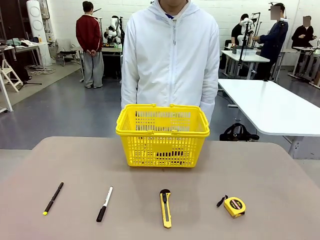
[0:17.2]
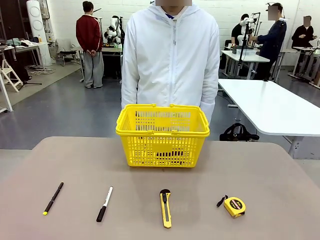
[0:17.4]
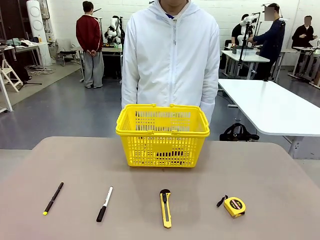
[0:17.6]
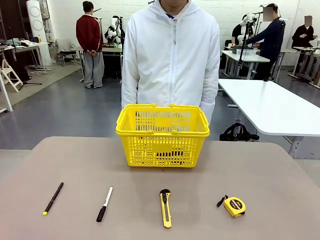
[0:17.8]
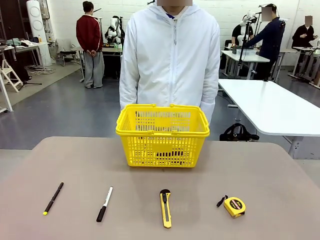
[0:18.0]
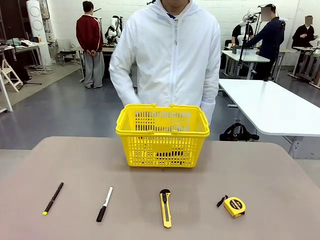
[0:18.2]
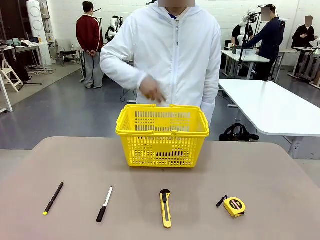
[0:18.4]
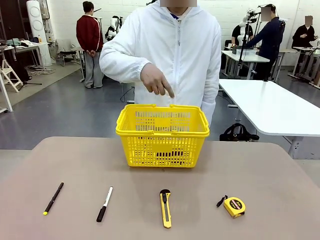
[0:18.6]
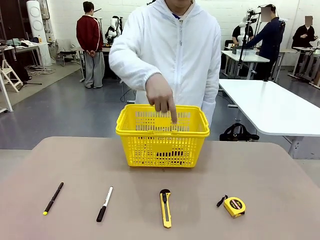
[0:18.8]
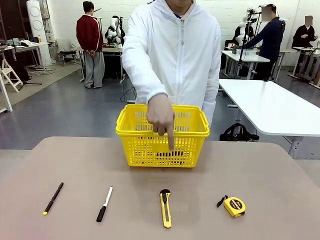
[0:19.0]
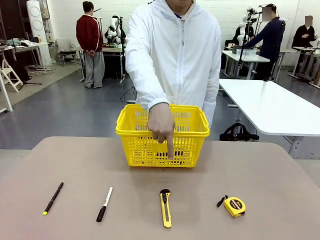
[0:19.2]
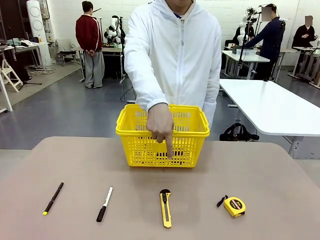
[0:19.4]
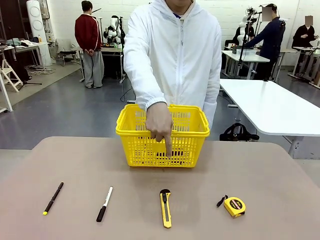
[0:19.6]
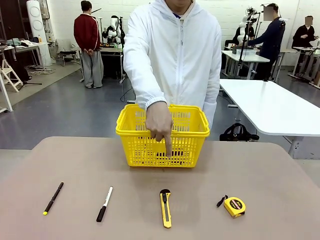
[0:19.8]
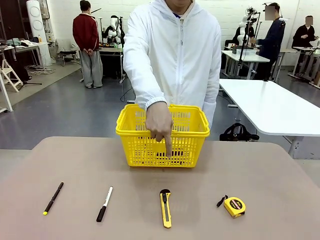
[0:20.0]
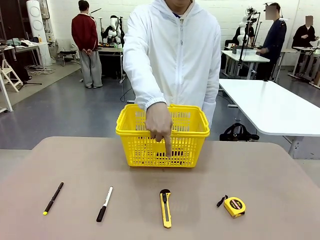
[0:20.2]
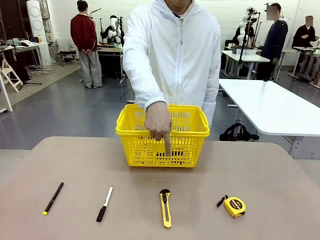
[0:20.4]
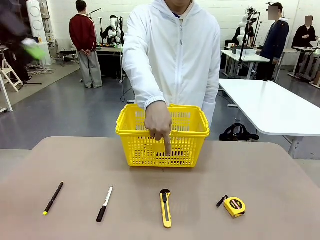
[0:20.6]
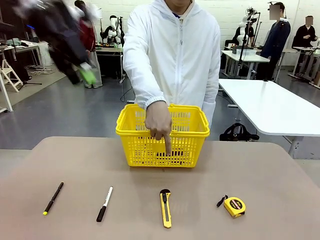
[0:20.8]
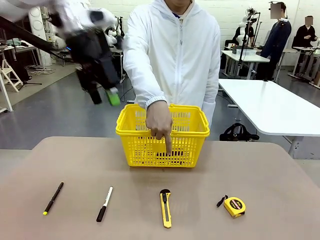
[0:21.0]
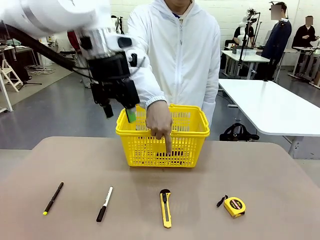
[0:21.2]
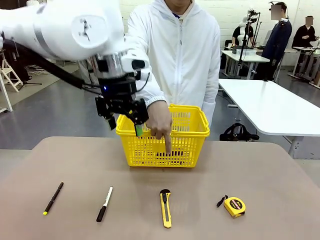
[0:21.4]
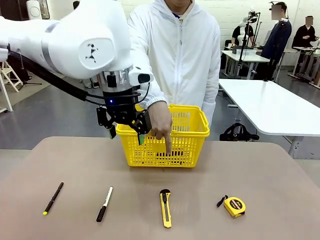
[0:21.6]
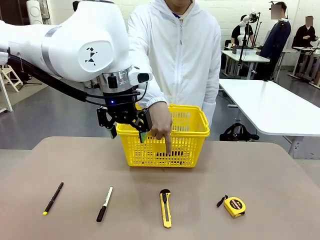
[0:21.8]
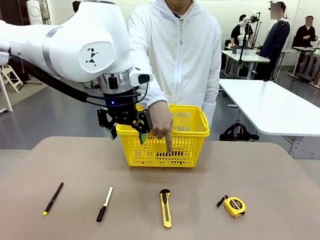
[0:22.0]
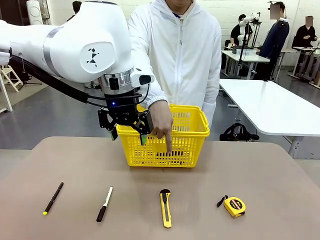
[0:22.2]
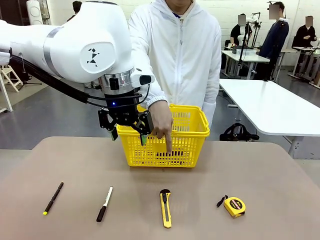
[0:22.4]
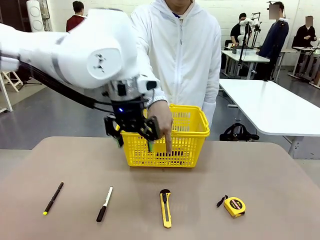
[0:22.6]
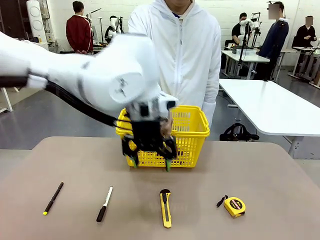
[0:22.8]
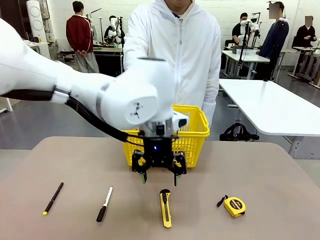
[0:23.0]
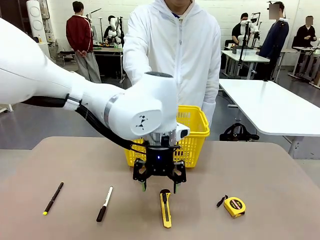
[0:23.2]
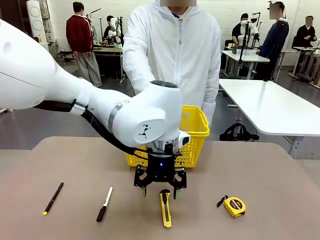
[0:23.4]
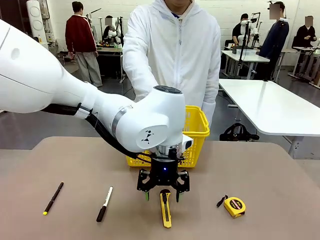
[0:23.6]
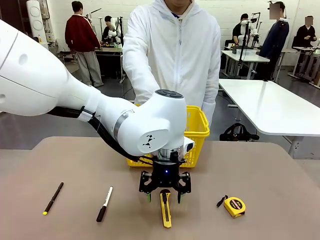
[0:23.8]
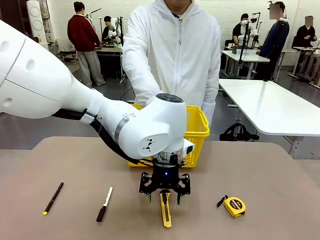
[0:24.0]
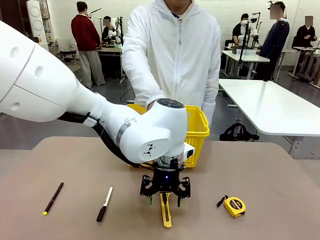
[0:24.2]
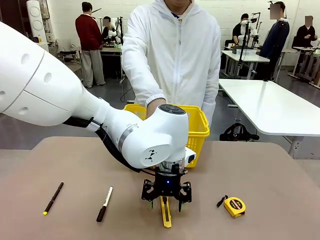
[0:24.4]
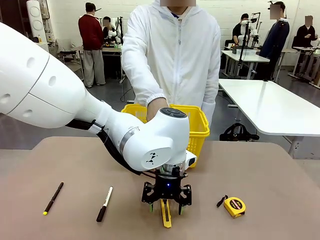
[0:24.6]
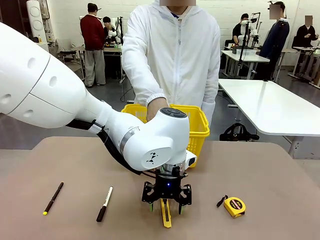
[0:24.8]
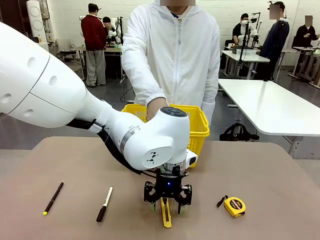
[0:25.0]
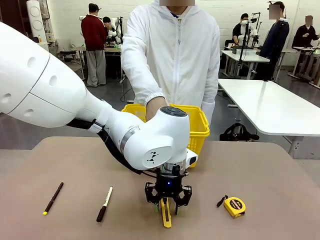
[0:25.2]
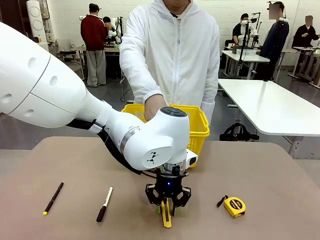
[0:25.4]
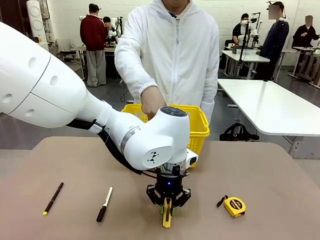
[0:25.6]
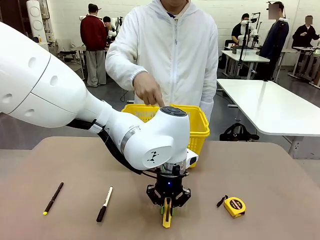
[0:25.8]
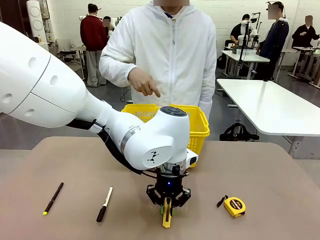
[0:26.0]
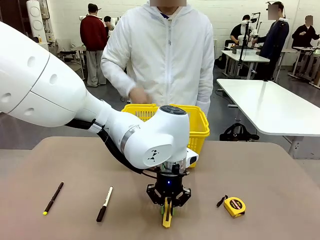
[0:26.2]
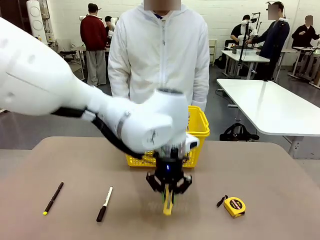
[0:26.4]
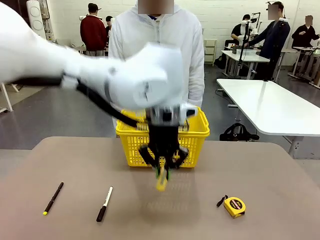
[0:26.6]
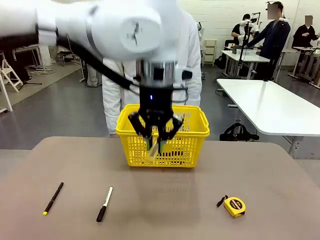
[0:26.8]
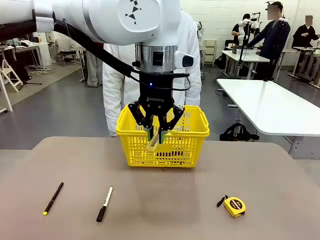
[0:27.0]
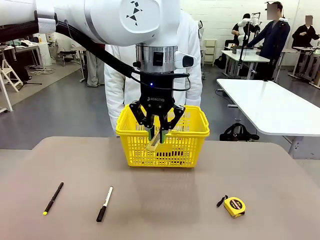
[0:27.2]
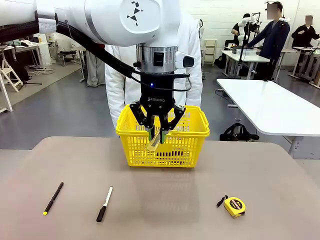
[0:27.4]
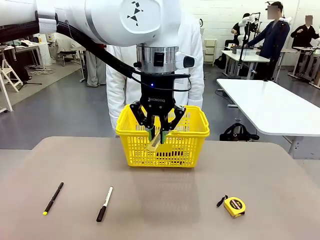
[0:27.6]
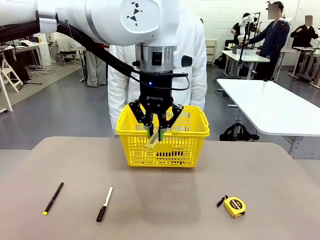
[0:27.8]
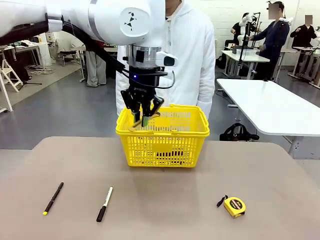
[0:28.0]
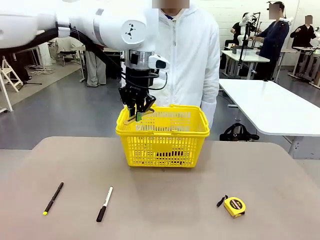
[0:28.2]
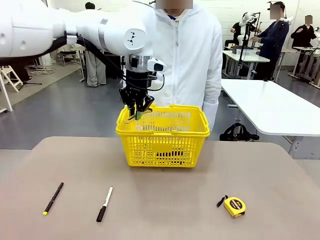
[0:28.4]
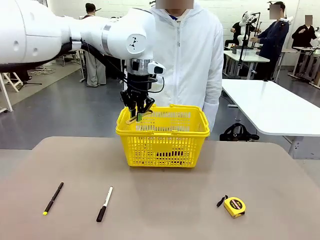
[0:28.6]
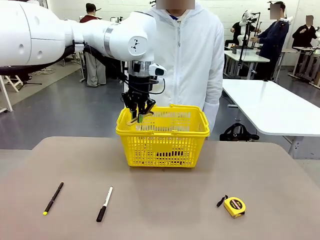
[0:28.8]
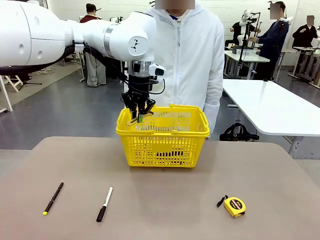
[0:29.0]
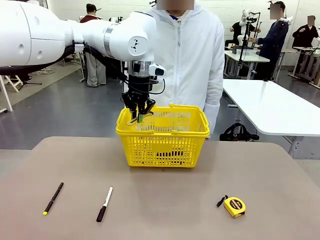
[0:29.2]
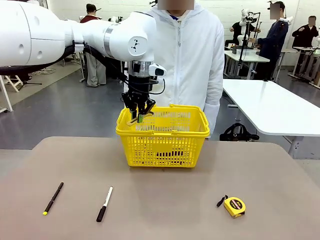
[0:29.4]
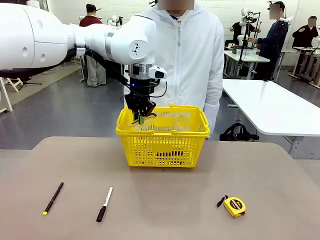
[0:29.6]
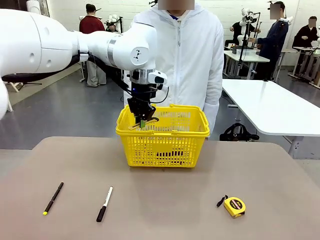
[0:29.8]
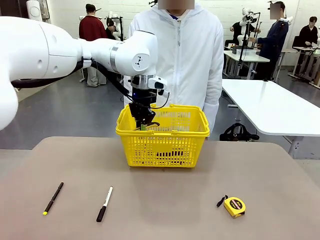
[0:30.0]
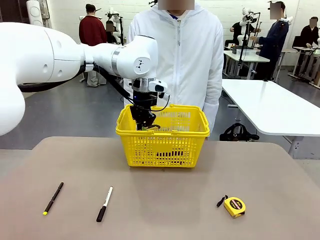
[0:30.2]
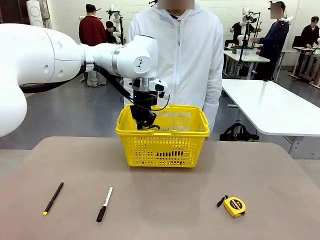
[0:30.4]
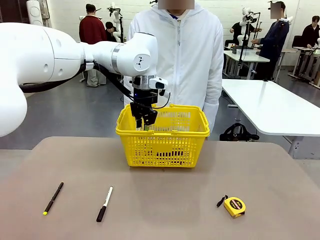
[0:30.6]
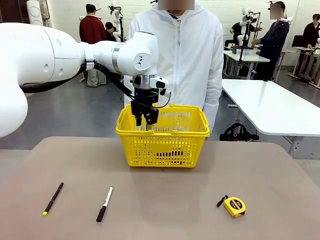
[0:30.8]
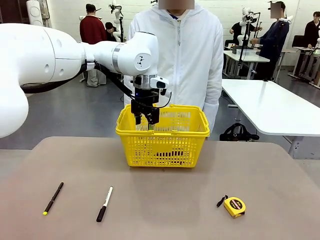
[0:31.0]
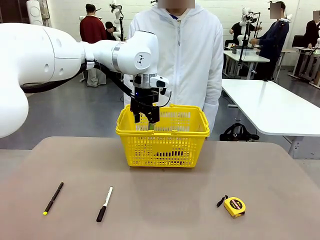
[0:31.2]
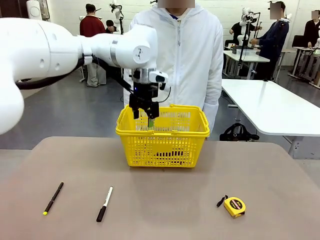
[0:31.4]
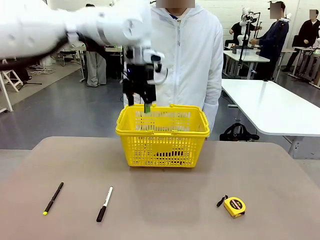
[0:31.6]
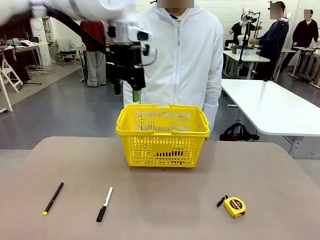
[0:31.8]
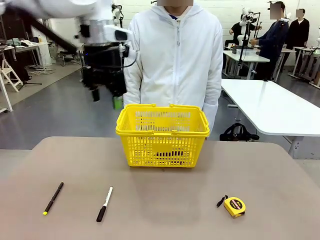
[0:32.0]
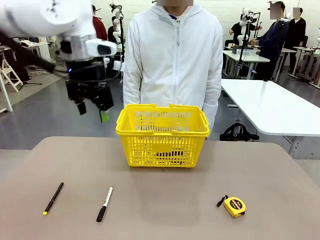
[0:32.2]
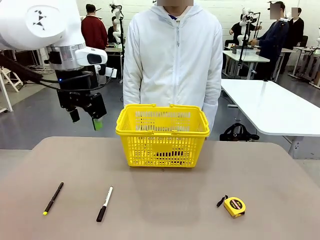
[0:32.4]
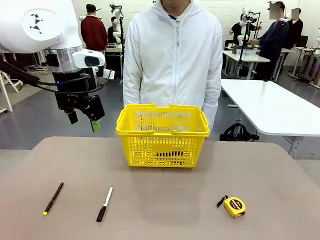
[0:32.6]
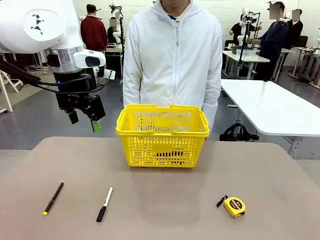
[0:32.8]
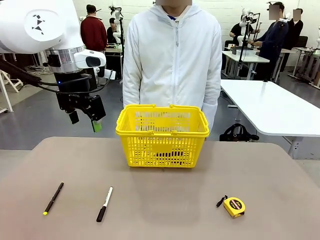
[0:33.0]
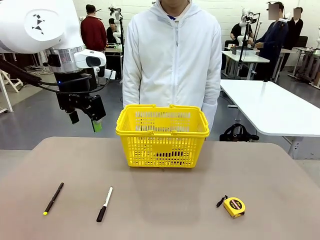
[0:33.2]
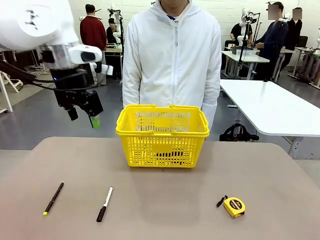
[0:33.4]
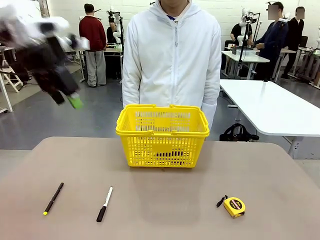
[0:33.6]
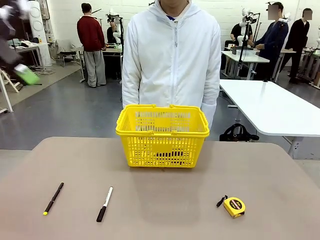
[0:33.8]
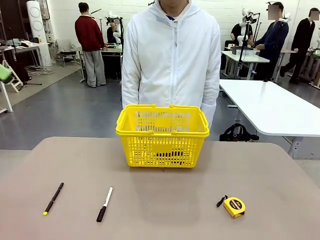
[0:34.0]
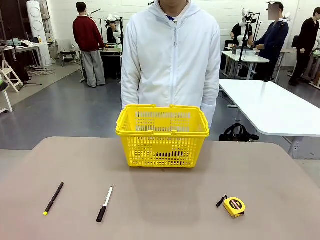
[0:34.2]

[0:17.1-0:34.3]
Task: Place the items the person wants into the basket.
Robot: Pick up the item the person points to and place it in the Market Basket.

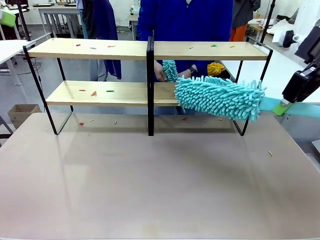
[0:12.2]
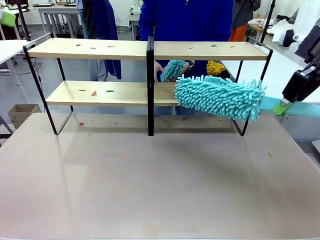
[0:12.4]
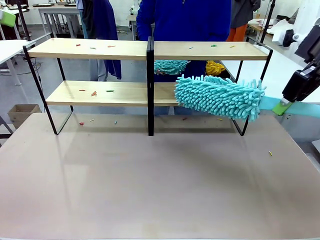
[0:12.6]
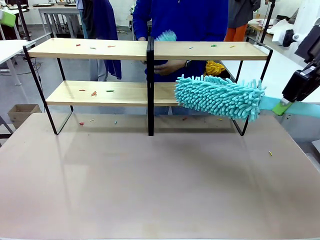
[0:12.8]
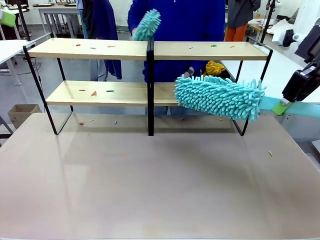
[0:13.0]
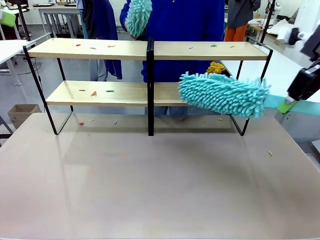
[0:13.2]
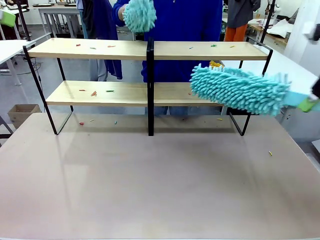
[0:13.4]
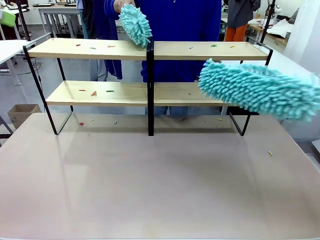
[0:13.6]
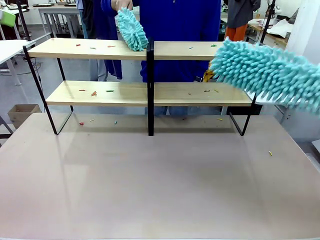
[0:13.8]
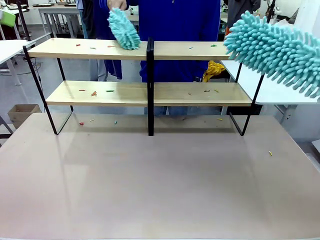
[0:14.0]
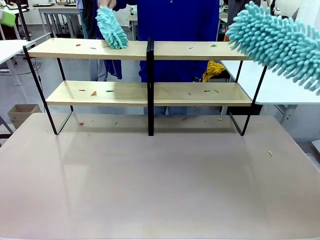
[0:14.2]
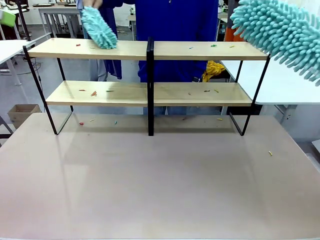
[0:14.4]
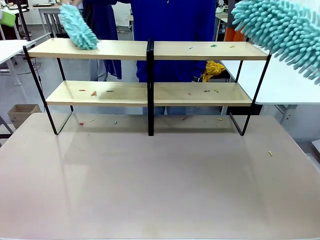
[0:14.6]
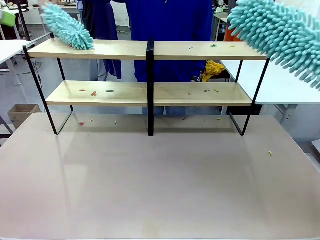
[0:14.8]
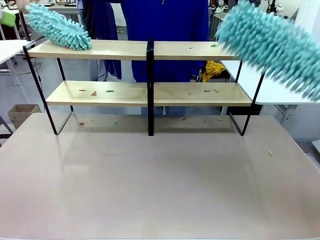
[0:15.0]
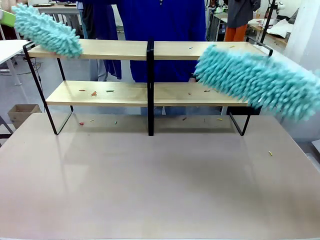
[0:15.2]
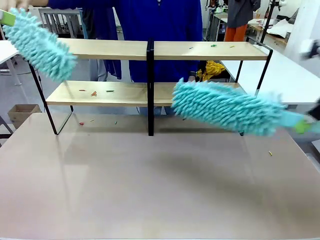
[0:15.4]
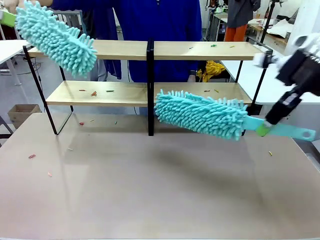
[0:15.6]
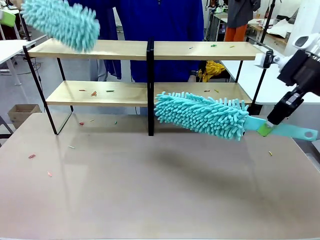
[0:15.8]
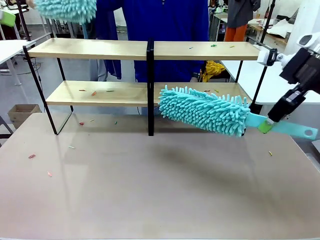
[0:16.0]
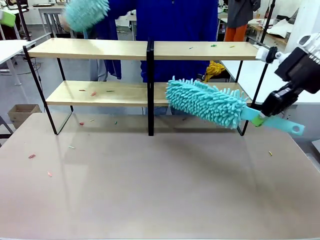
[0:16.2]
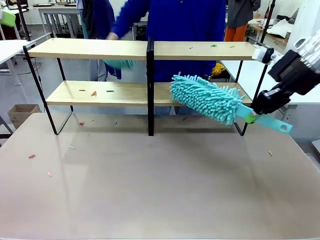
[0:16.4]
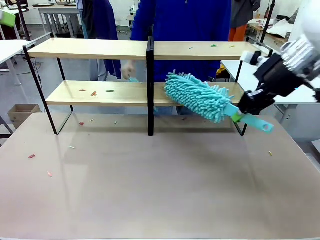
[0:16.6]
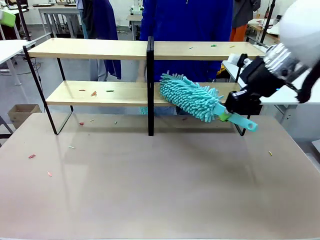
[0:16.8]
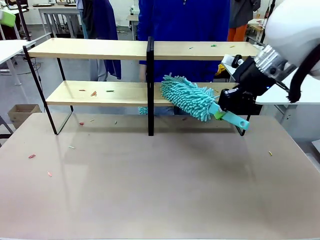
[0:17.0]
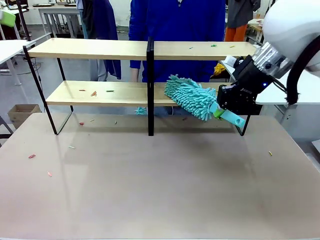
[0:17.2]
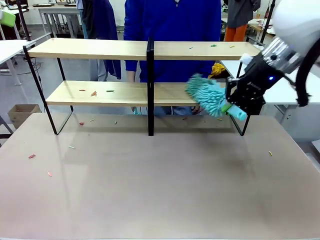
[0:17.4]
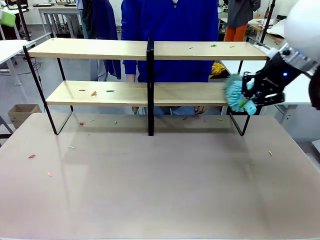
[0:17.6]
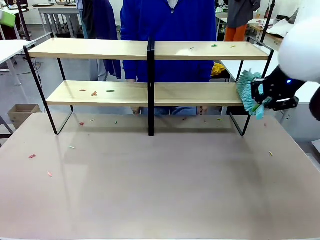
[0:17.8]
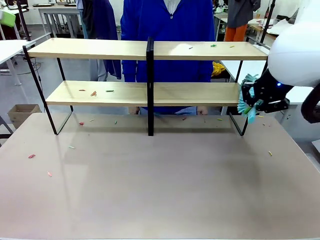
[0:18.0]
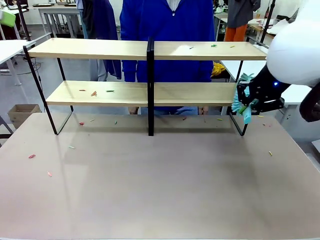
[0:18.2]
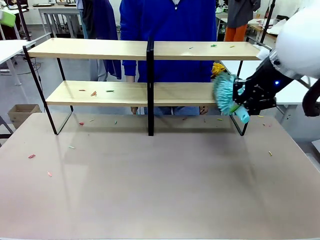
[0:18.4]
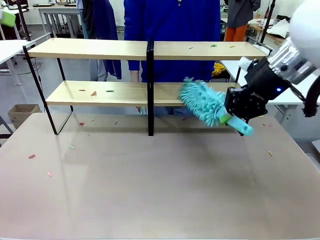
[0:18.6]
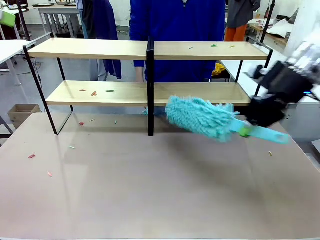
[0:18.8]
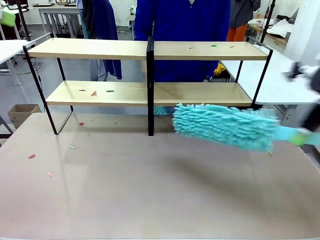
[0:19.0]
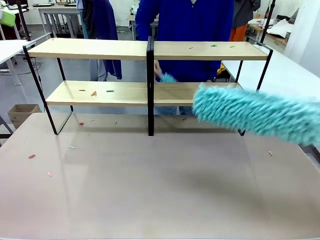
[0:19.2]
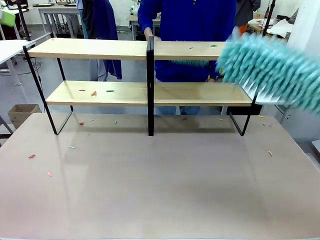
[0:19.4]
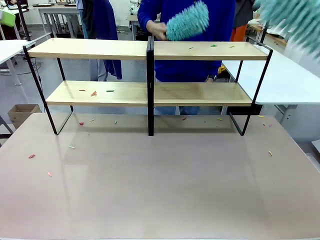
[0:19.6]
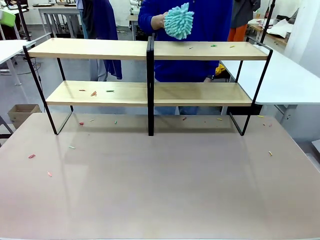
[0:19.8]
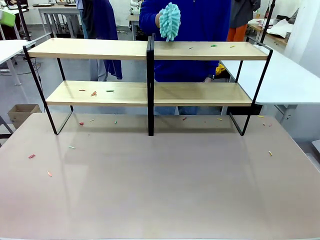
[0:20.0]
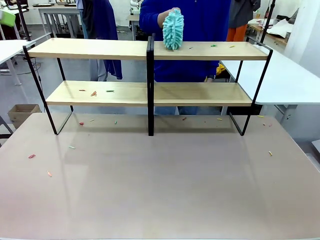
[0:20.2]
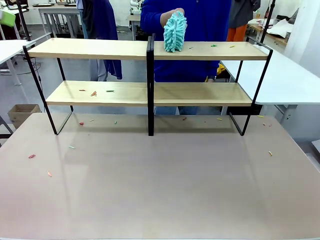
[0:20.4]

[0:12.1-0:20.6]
Task: Clean the shelves.
Robot: Clean a randomly selected level of the Shelf with the Duster.
